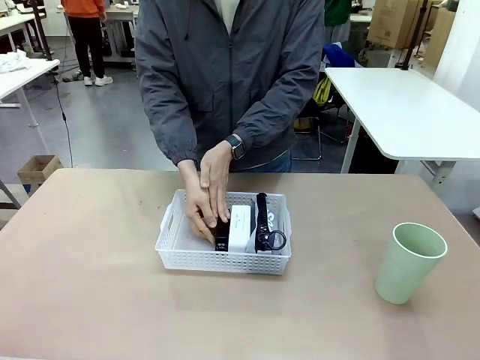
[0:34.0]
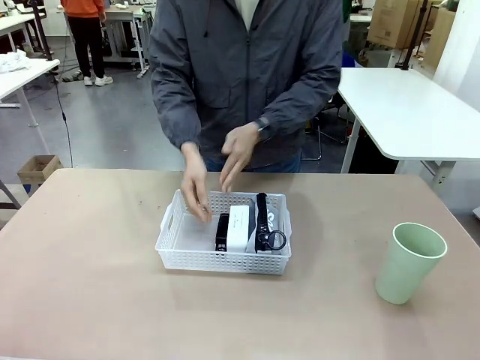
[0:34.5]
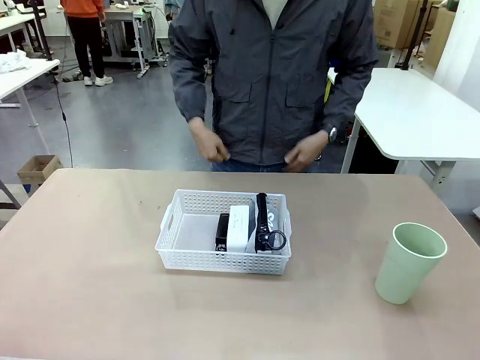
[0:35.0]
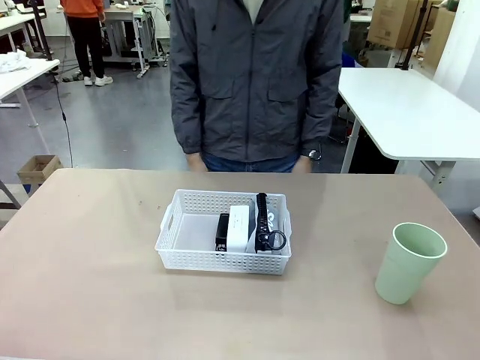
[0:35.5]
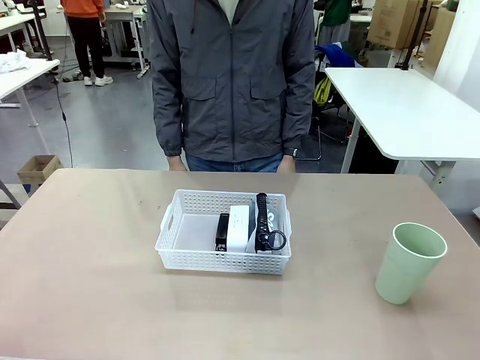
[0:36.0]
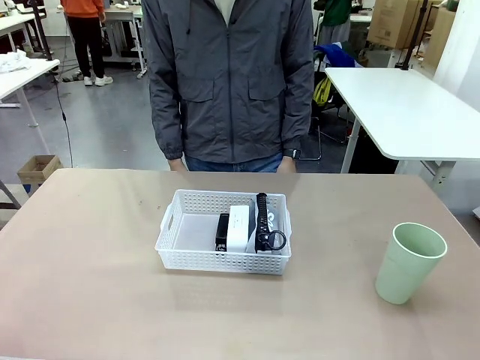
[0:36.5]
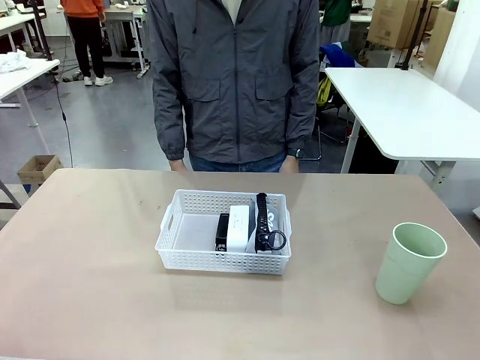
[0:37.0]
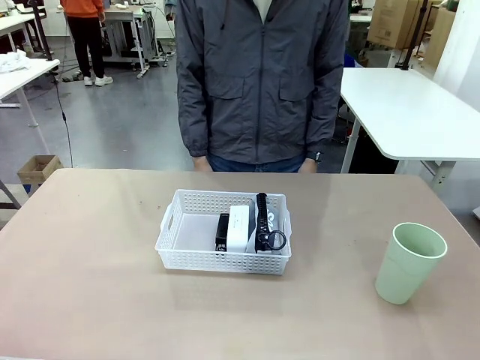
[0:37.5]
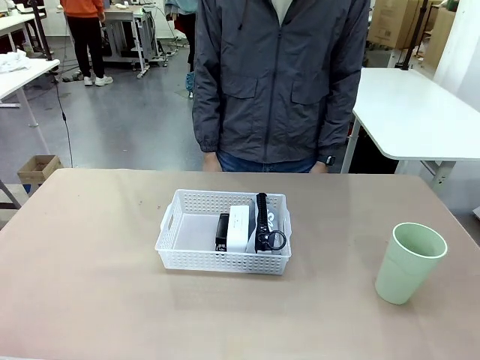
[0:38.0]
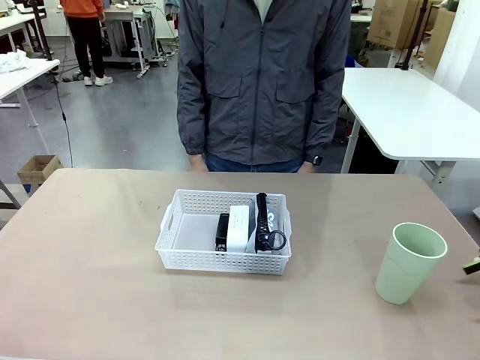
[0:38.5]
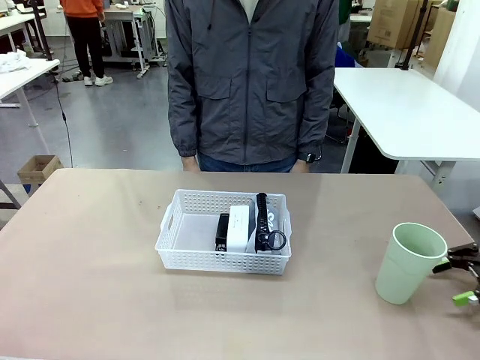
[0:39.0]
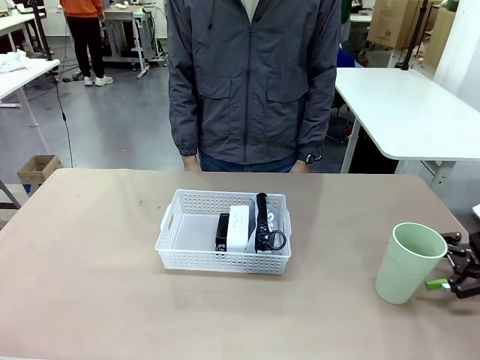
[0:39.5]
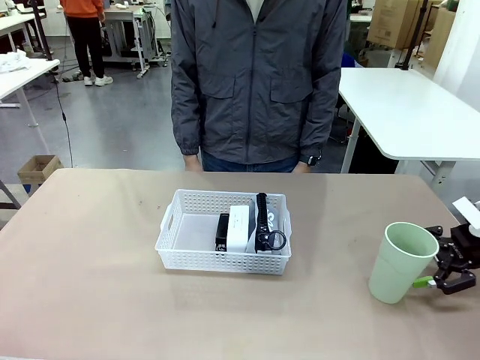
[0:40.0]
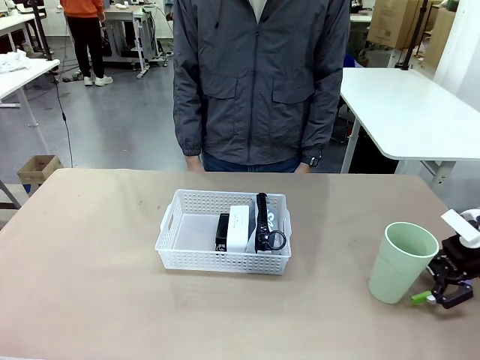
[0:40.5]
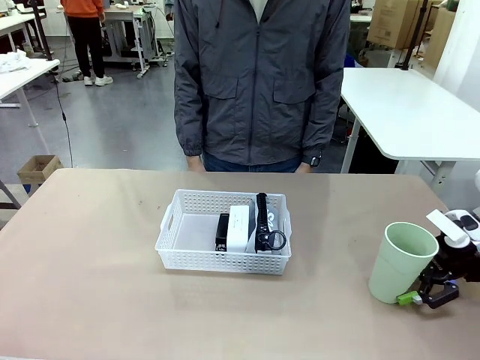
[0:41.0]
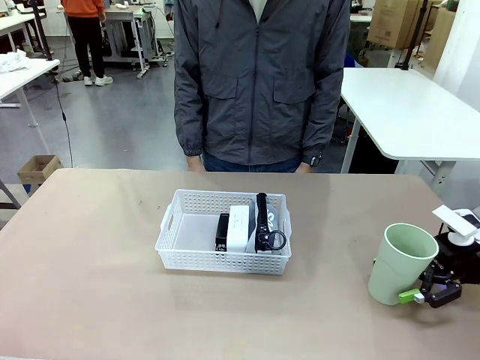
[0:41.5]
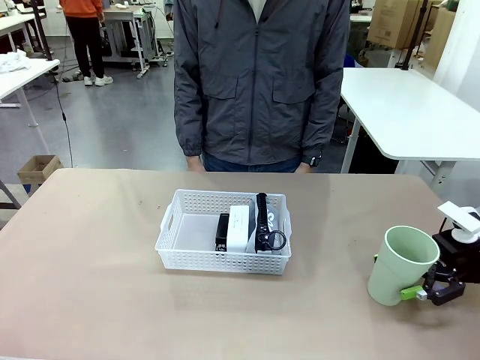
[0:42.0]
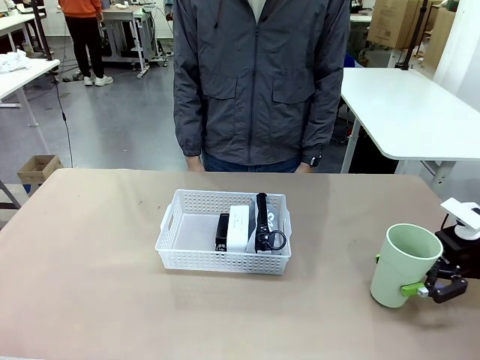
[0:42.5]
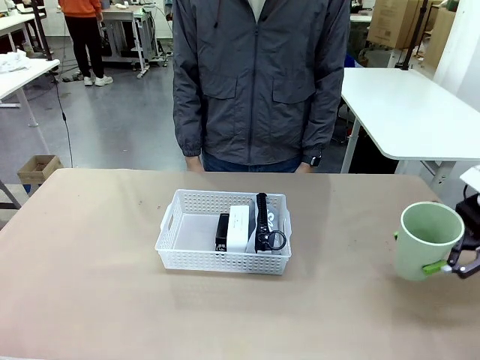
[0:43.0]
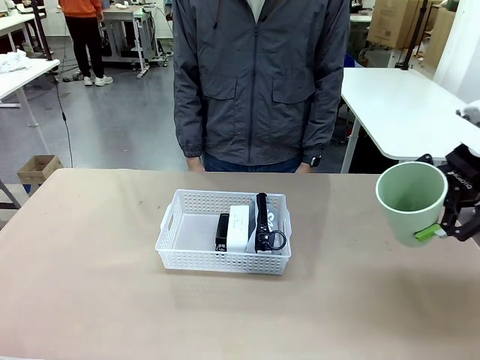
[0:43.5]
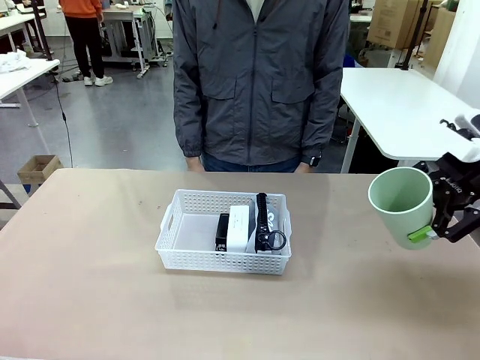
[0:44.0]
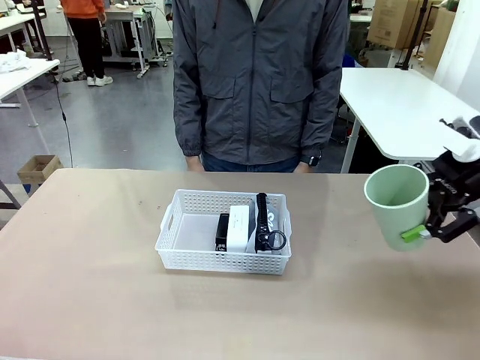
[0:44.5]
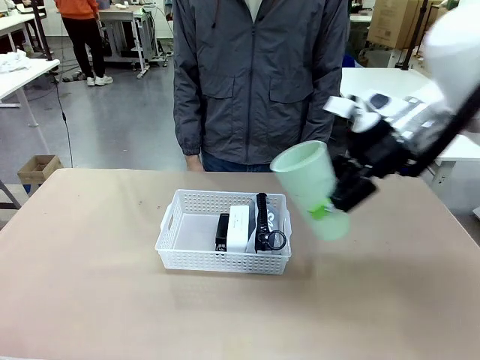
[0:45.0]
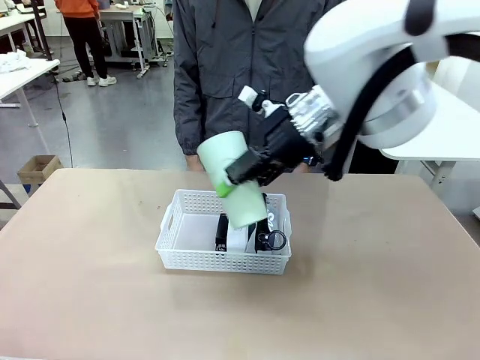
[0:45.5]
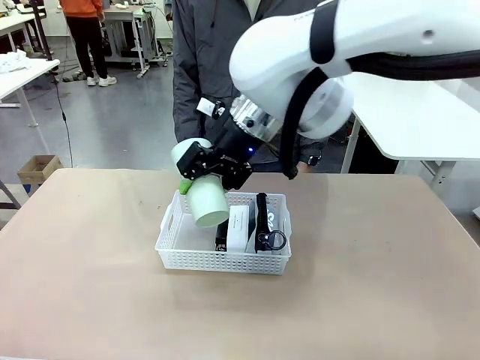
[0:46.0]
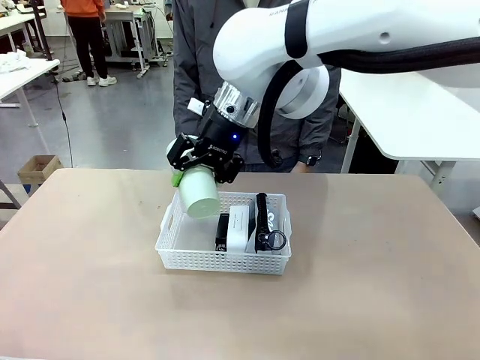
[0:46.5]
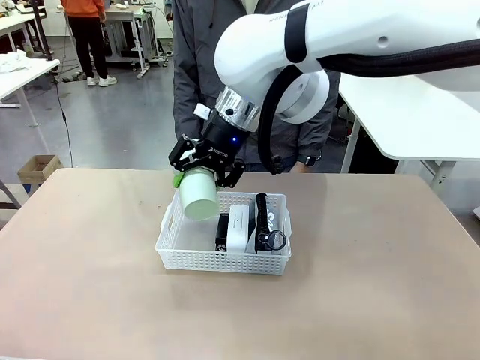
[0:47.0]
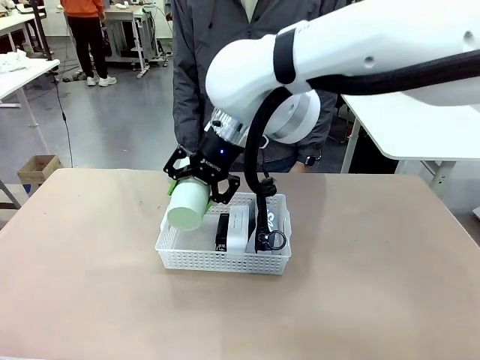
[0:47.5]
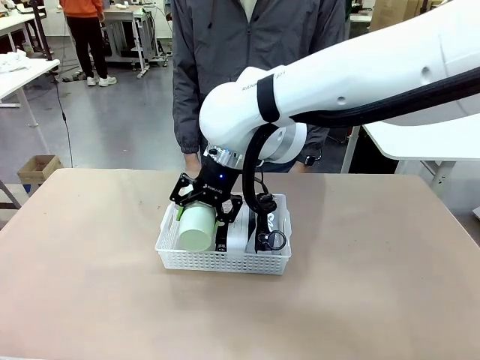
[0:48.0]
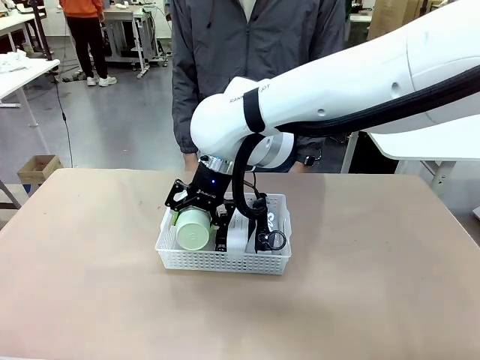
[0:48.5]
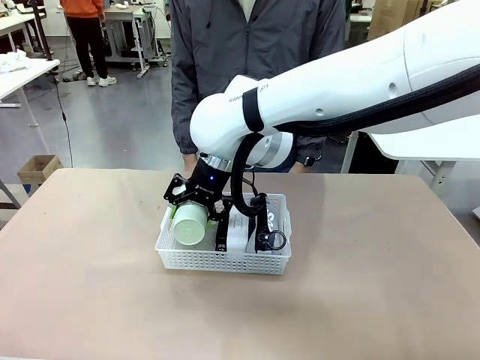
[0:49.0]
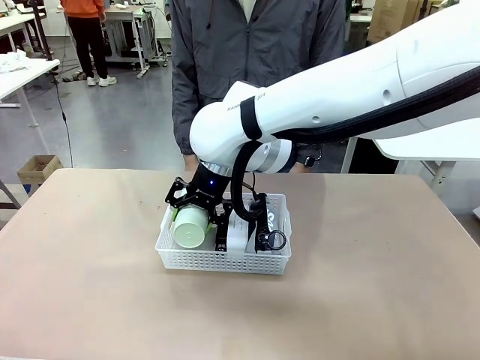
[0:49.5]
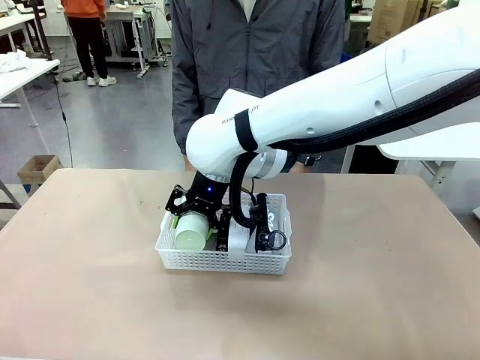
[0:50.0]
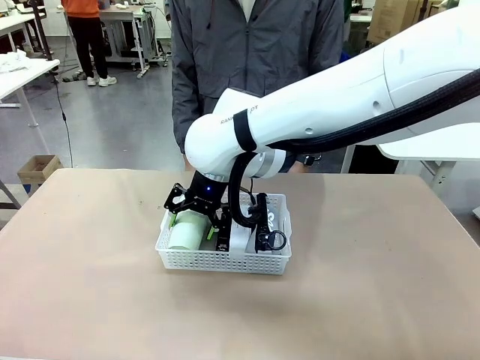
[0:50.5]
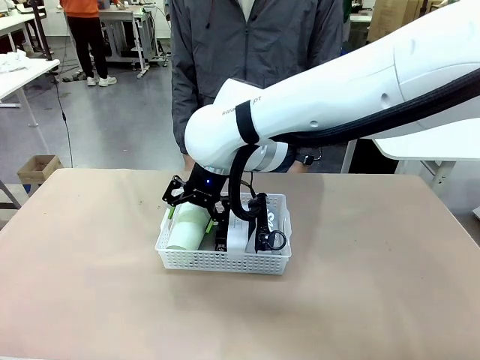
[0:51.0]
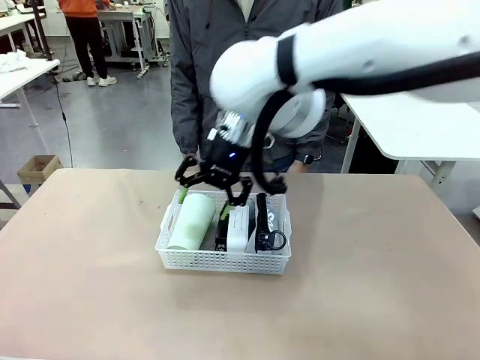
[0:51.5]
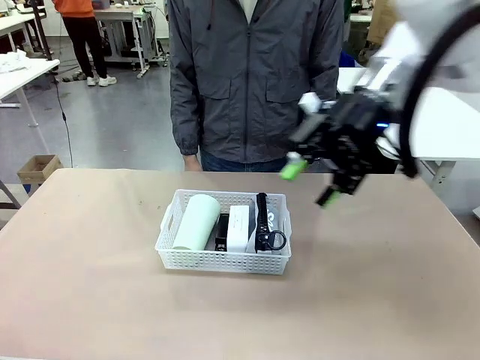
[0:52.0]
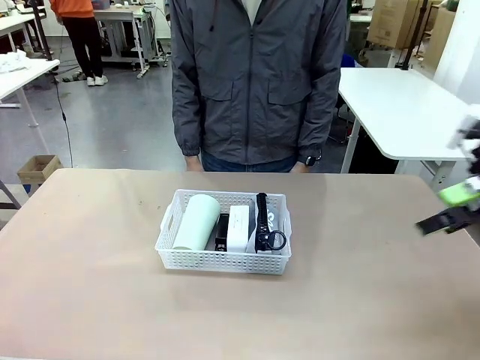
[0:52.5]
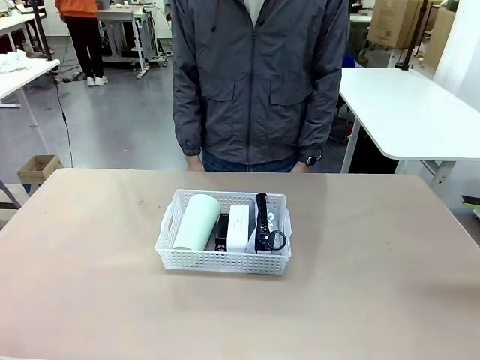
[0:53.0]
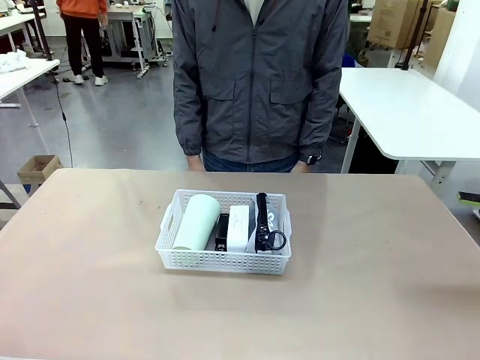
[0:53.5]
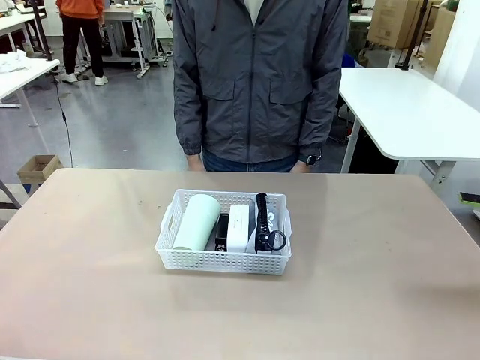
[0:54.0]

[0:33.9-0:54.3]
Task: Efficiently arrange items inside the basket to fit them all.
Robot: Pick up the Reusable plastic cup and place it inside the Organizing basket.
Person: Repositions the stapler.
